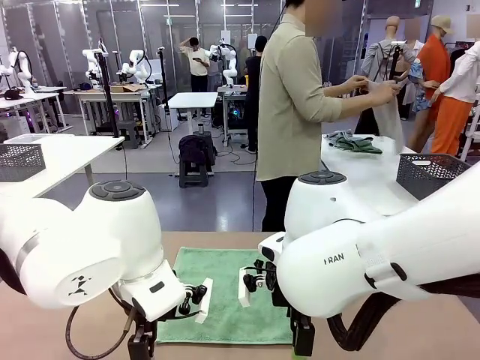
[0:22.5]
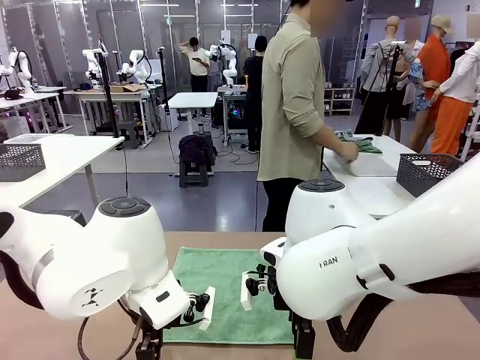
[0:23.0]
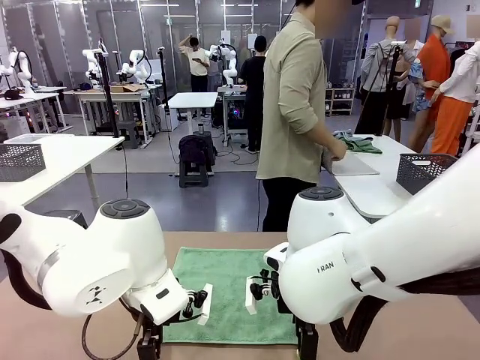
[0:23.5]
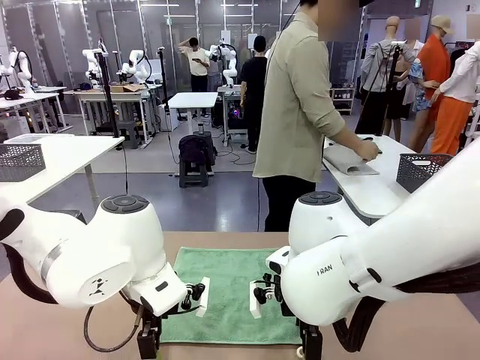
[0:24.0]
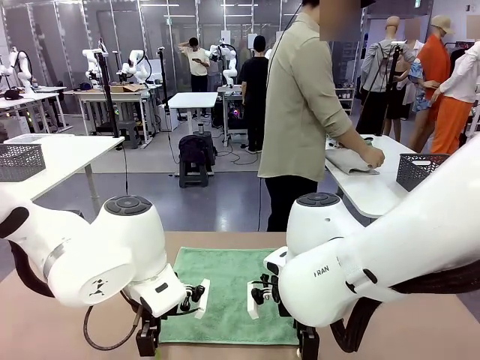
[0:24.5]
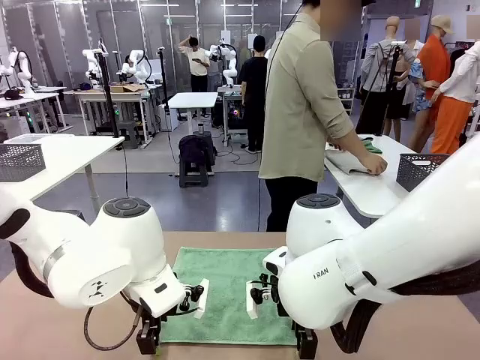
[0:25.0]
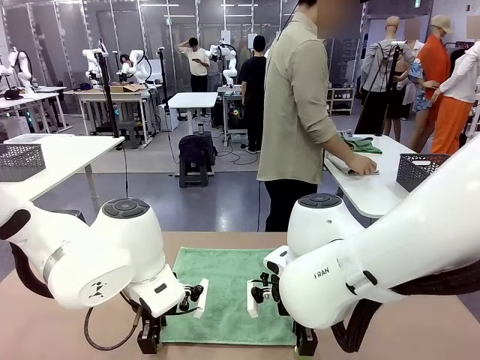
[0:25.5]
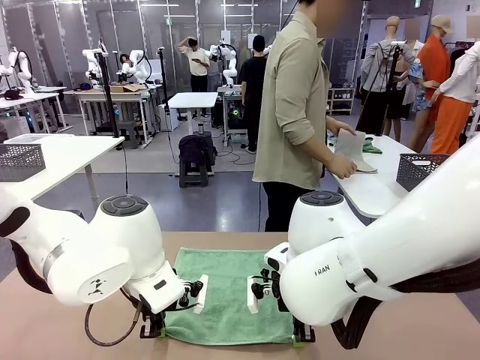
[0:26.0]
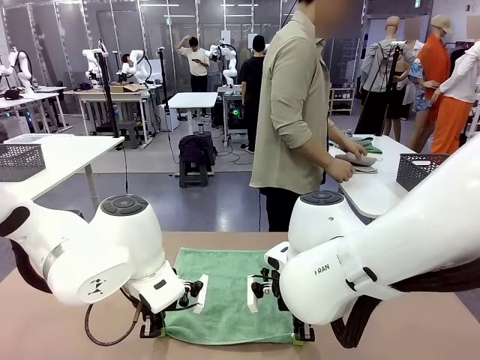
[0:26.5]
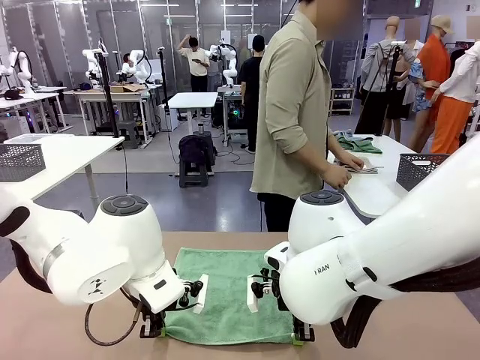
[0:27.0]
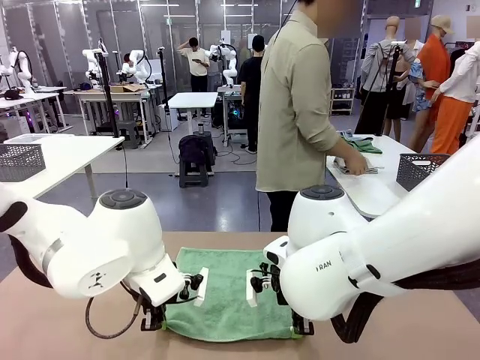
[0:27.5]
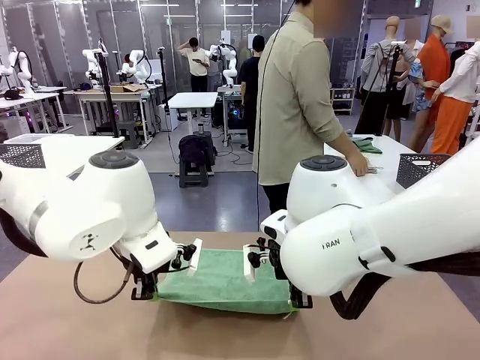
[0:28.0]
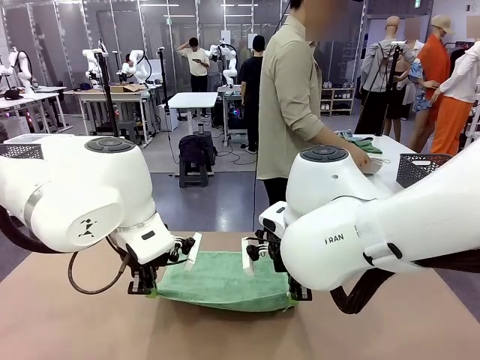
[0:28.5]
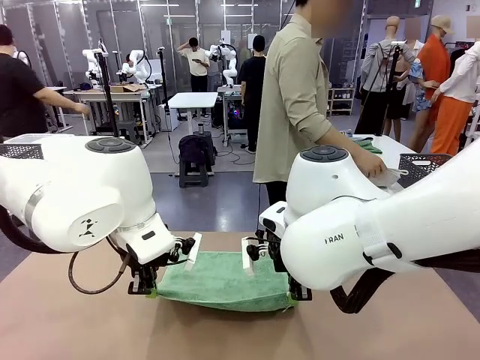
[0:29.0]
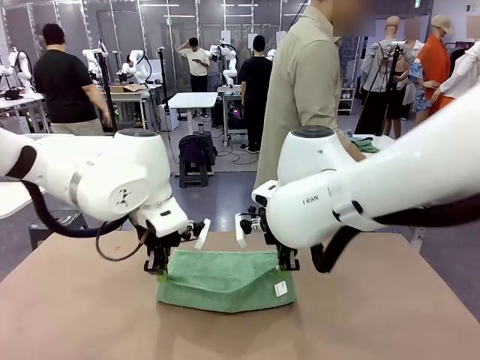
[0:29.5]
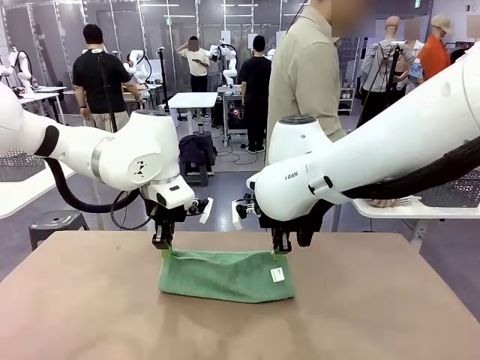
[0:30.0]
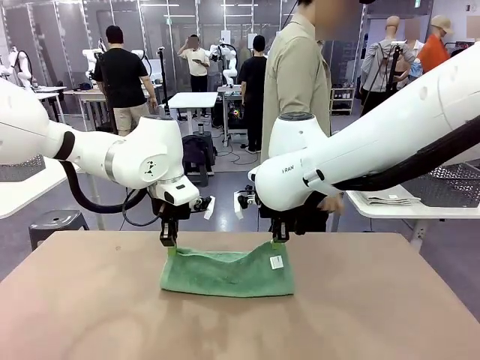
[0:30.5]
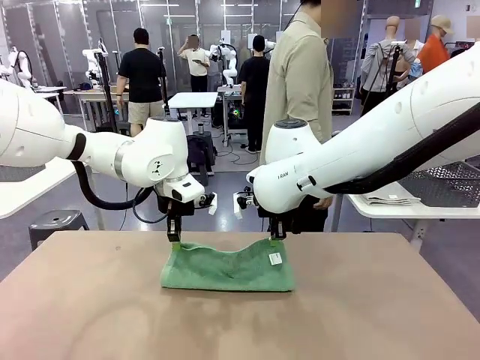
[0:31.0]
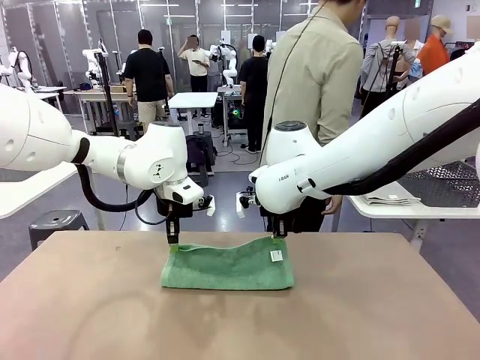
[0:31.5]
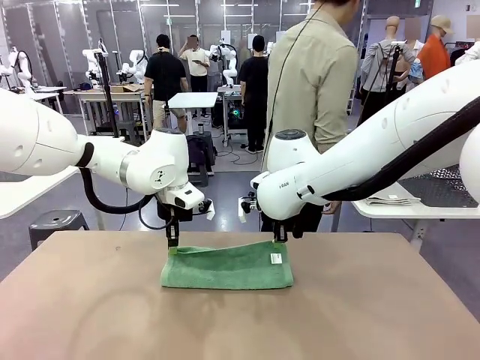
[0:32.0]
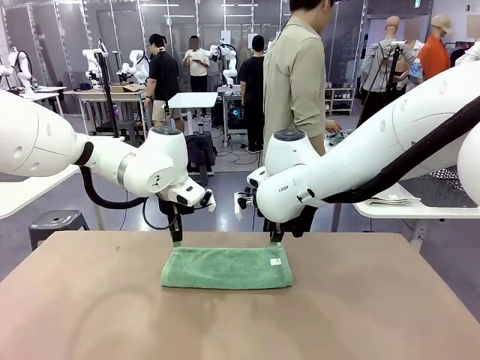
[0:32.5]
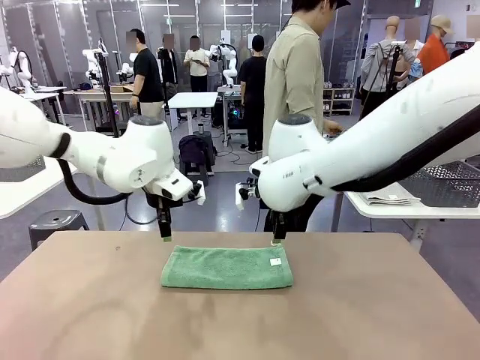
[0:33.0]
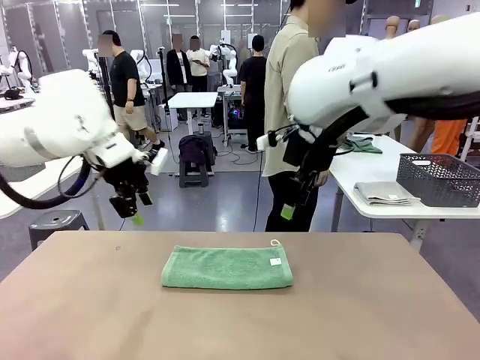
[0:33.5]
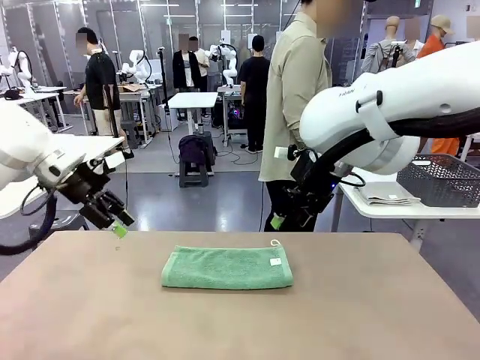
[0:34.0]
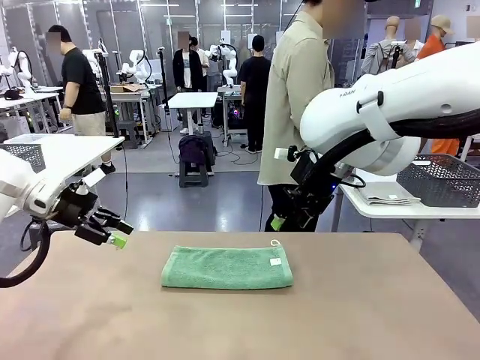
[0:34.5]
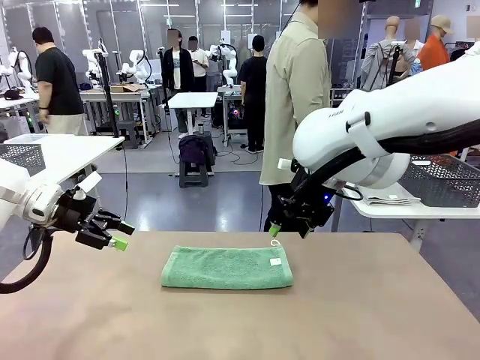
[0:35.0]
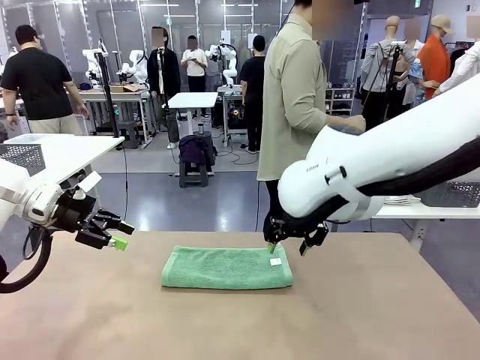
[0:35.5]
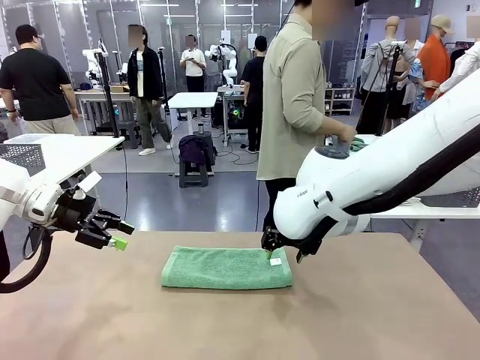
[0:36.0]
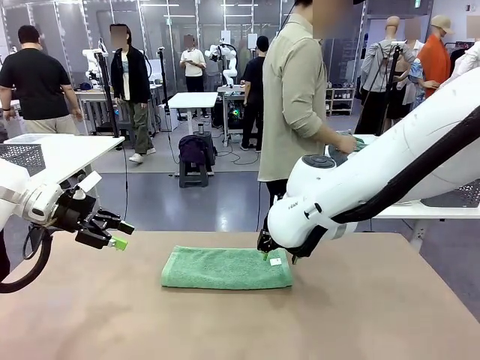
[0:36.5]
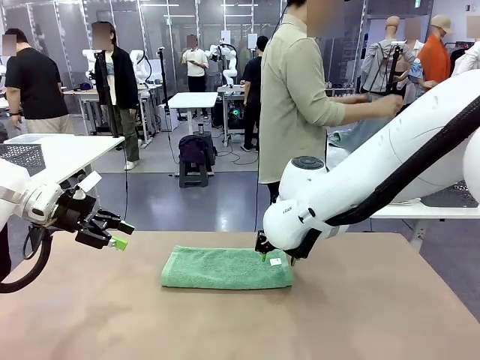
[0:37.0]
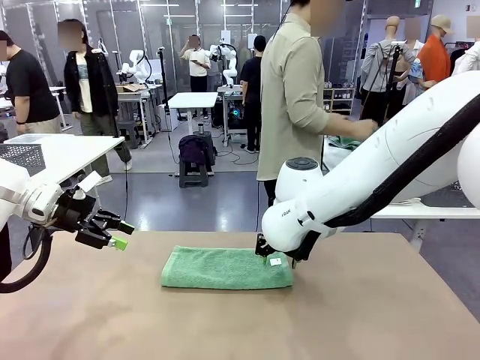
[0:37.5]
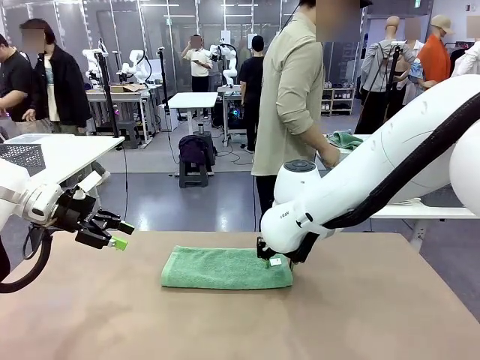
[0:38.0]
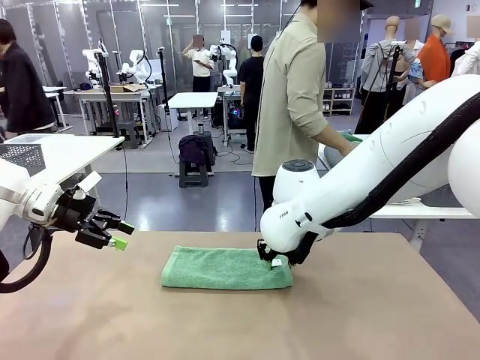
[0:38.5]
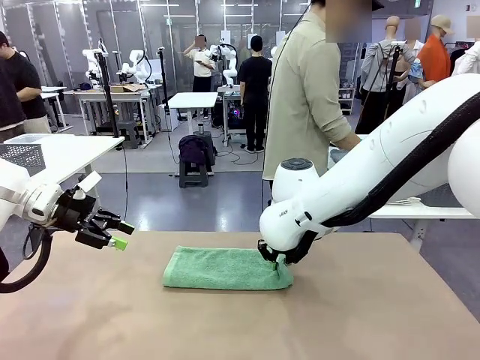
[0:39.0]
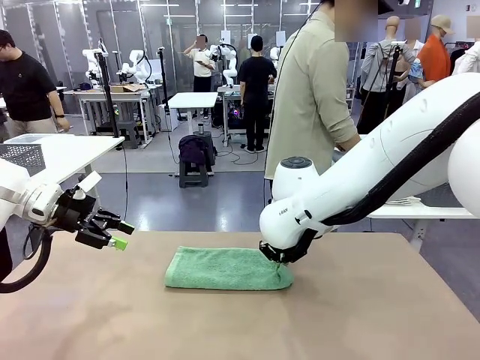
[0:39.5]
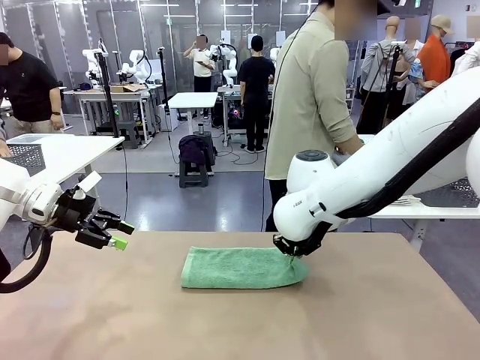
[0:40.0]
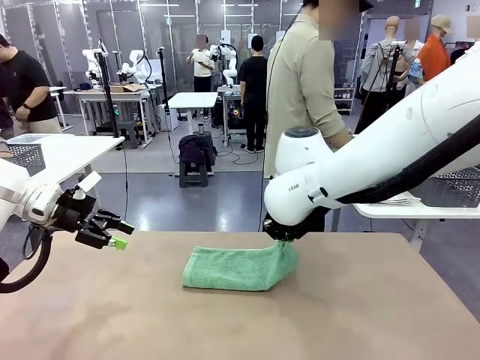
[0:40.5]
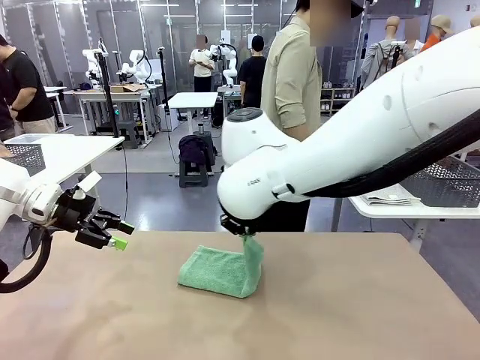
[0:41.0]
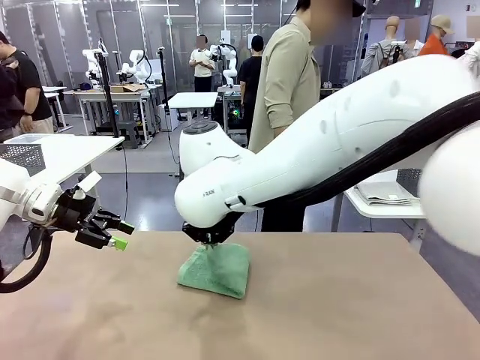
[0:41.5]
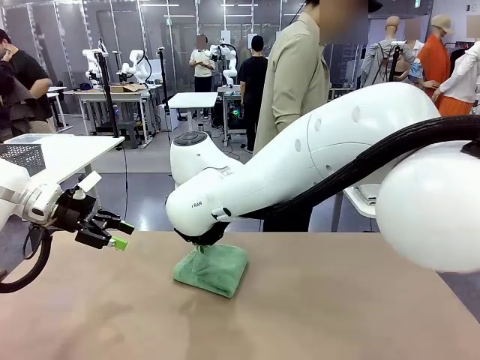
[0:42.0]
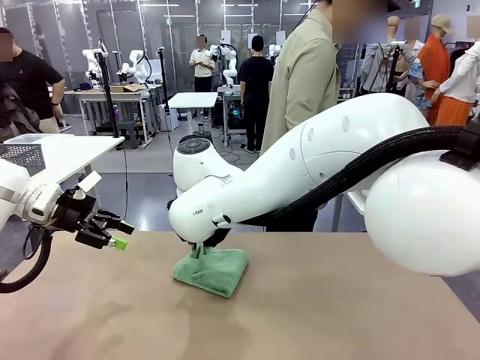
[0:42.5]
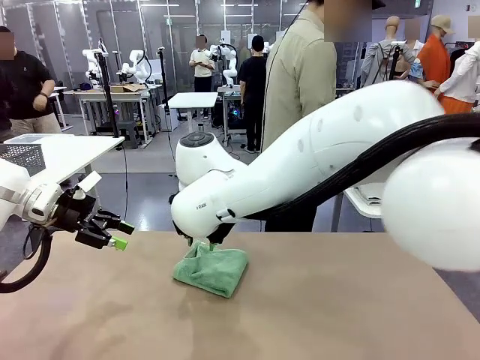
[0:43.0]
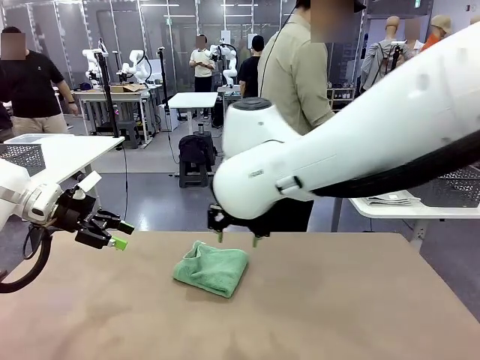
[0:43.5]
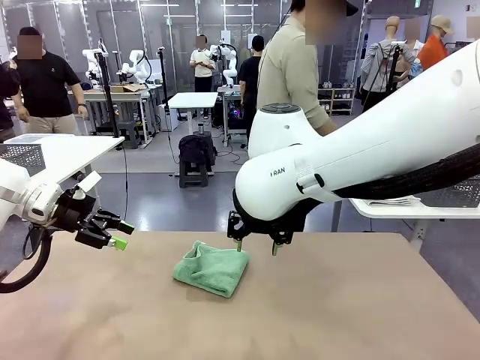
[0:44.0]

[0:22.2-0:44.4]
Task: Fold the towels and place them in the basket.
Robot: When a person lays out a Towel with hook on the table, fold it in half twice.
Person: Pick up one towel from the left side of the human table, fold it in half twice, and place it on the right side of the table. Pick up one towel from the left side of the human table, fold it in half twice, and stack it on the right side of the table.

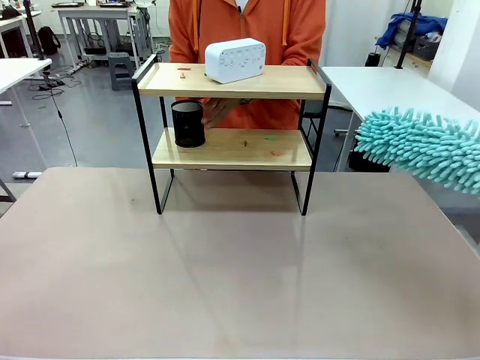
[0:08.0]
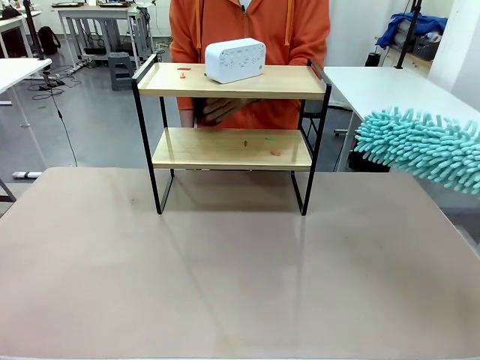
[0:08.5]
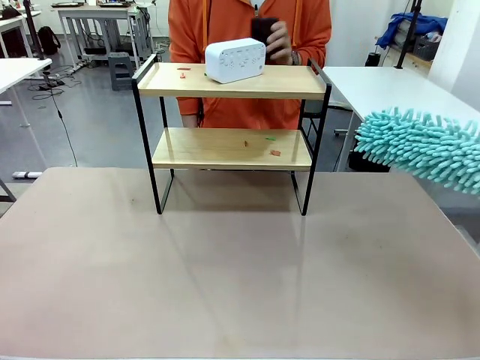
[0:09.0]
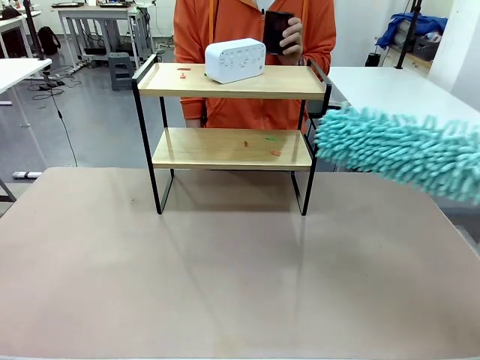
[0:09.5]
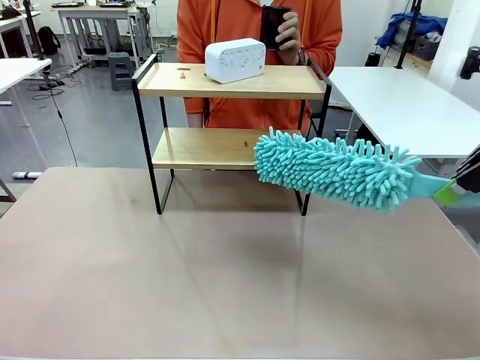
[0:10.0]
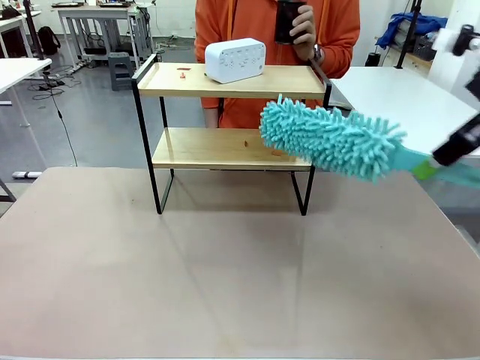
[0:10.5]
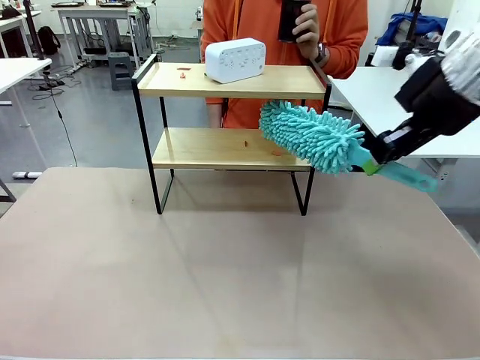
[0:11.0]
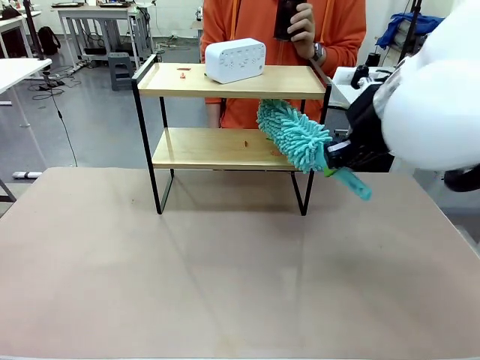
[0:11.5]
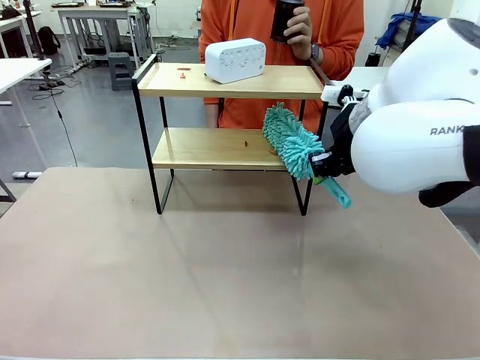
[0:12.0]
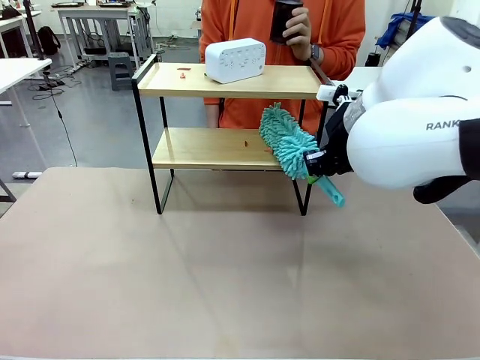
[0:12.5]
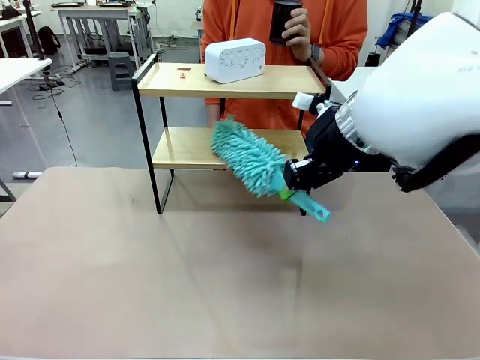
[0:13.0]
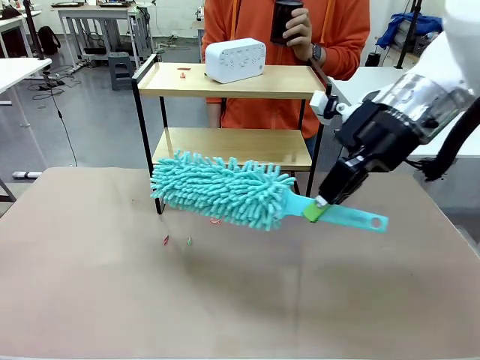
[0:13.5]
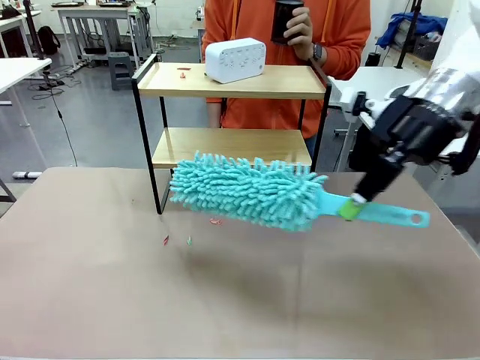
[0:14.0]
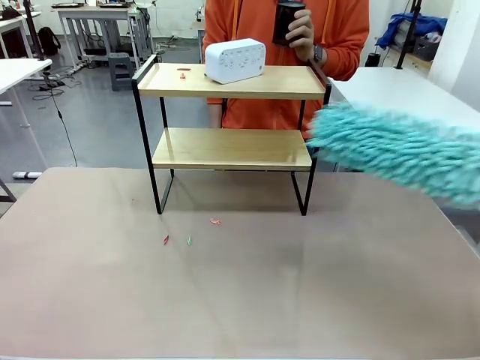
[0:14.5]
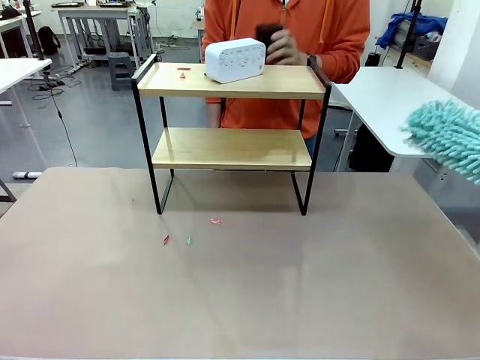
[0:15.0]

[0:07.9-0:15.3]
Task: Clean the shelf.
Robot: Clean the specific tier of the Shelf with the Duster once objects are removed.
Person: Lift the objects on a randomly selected tier of the Shelf. Once the robot finishes cleaning, lift the objects on the remaining tiers of the Shelf.
